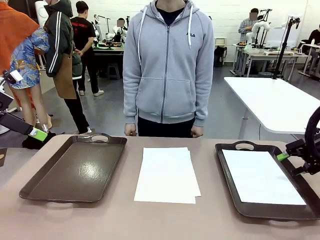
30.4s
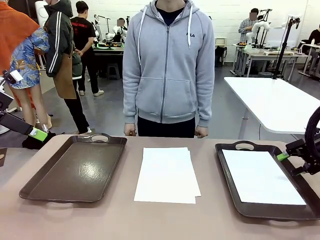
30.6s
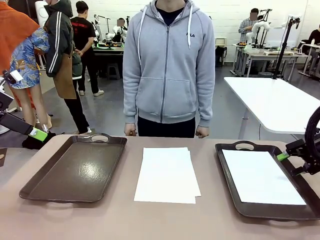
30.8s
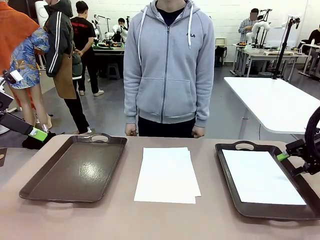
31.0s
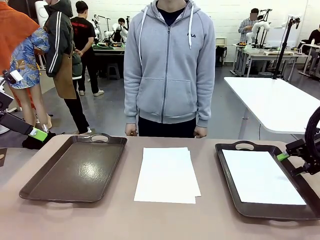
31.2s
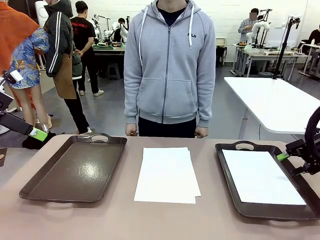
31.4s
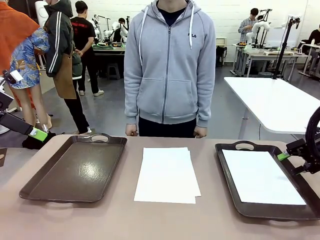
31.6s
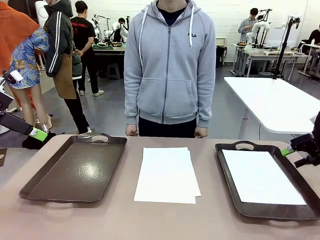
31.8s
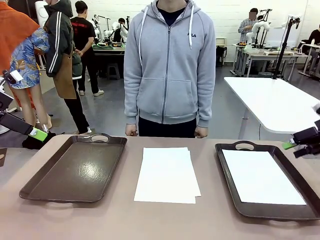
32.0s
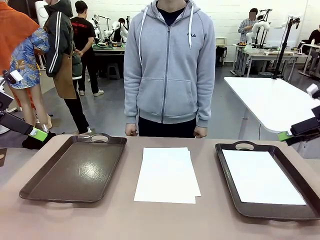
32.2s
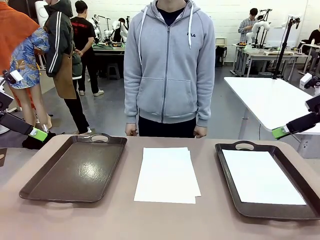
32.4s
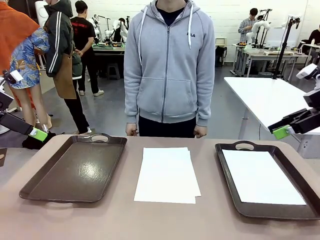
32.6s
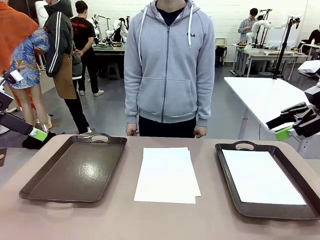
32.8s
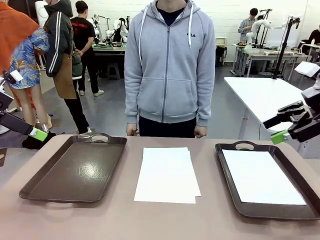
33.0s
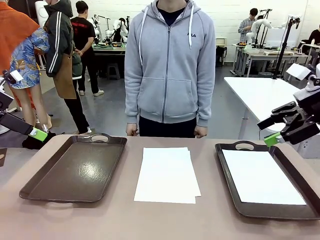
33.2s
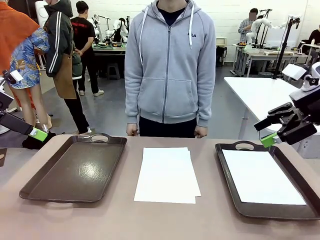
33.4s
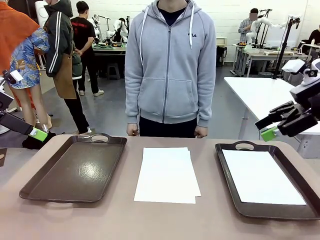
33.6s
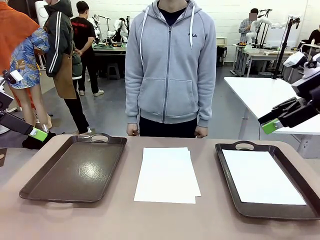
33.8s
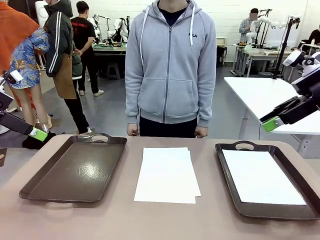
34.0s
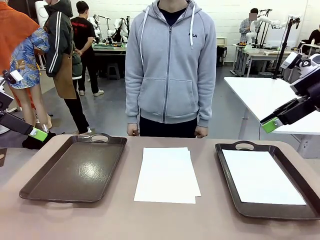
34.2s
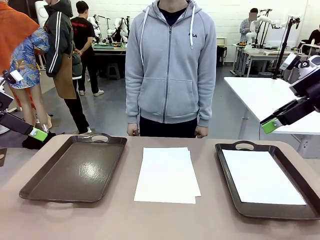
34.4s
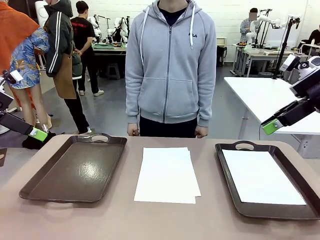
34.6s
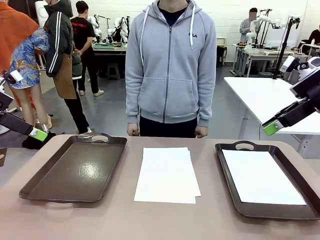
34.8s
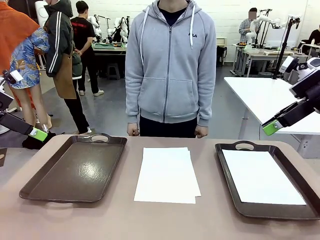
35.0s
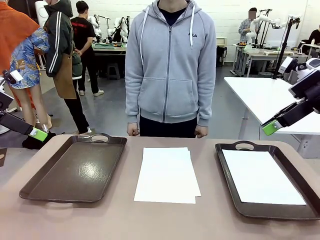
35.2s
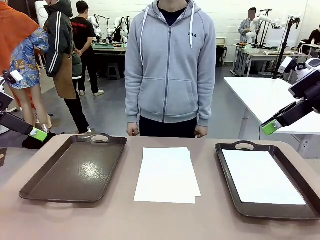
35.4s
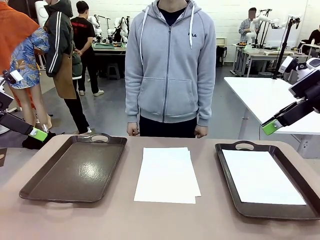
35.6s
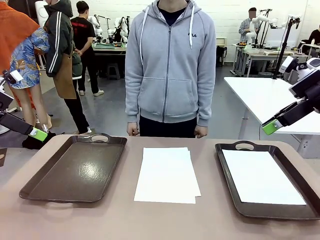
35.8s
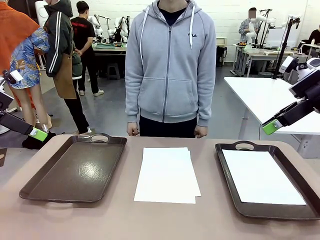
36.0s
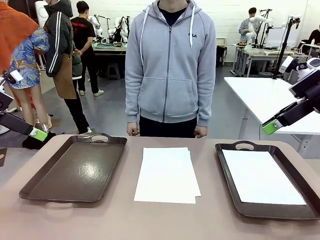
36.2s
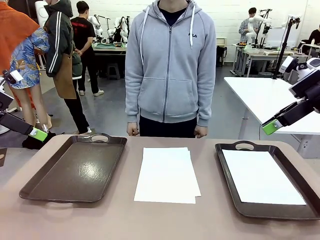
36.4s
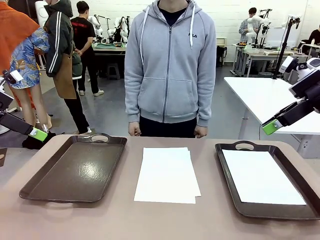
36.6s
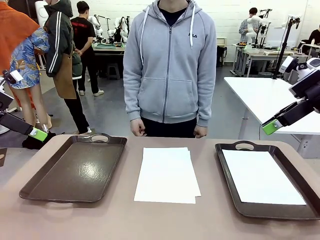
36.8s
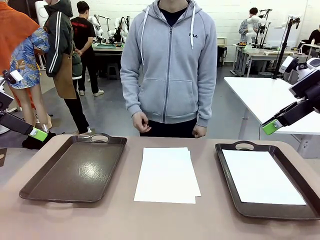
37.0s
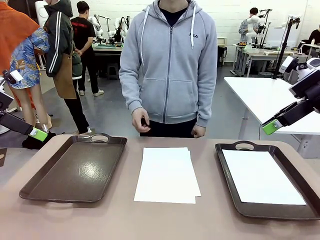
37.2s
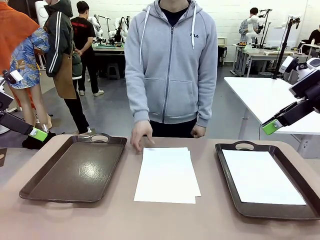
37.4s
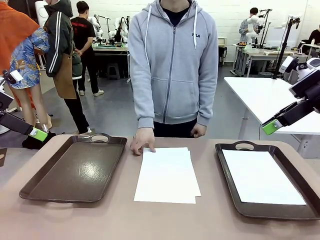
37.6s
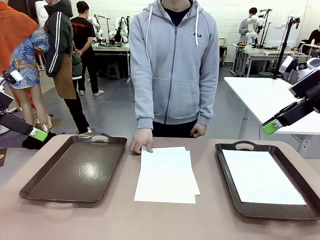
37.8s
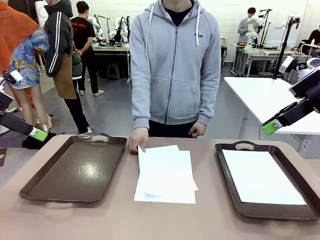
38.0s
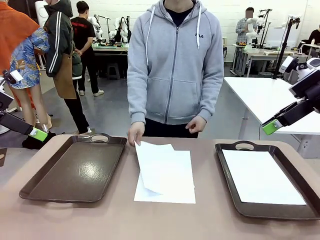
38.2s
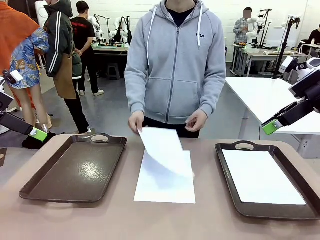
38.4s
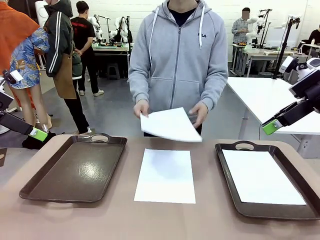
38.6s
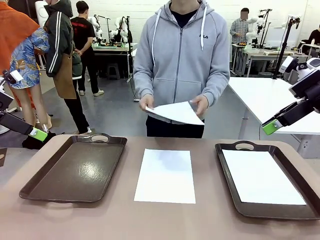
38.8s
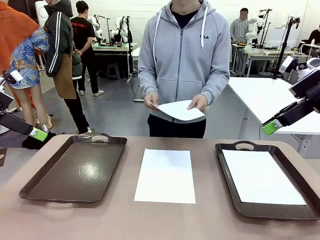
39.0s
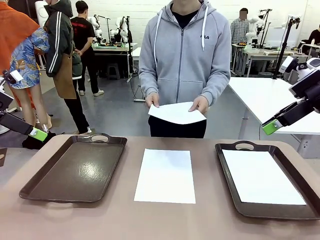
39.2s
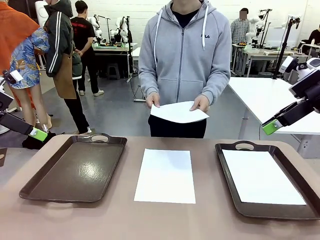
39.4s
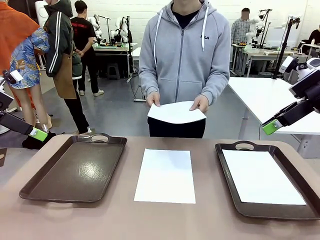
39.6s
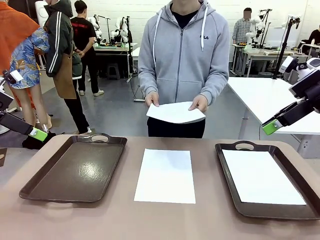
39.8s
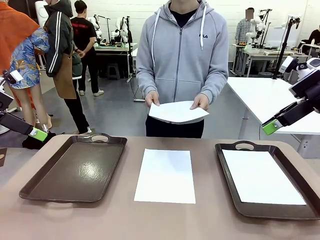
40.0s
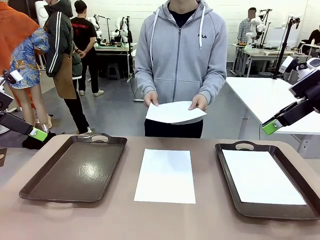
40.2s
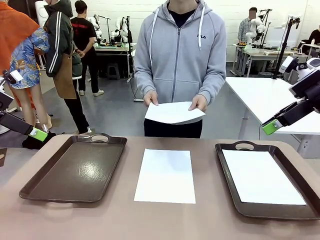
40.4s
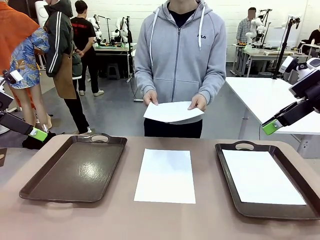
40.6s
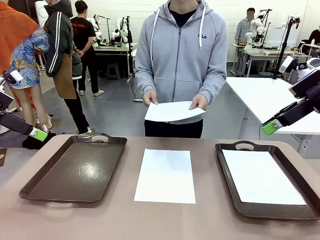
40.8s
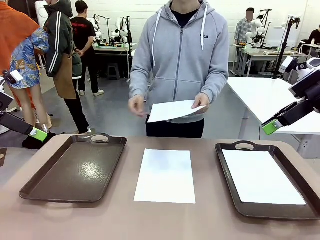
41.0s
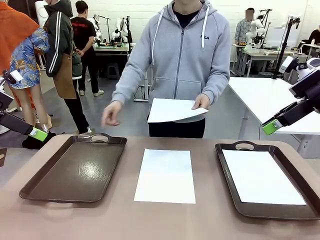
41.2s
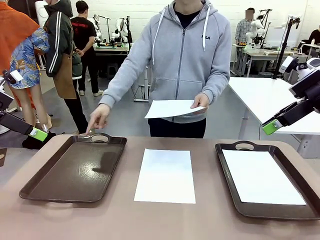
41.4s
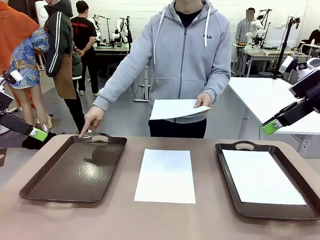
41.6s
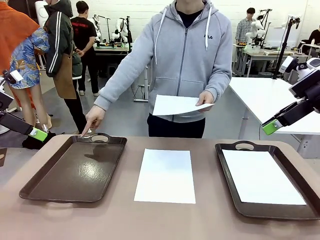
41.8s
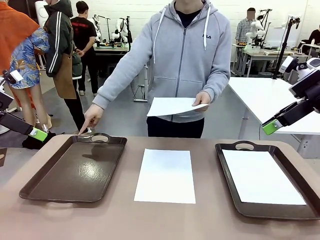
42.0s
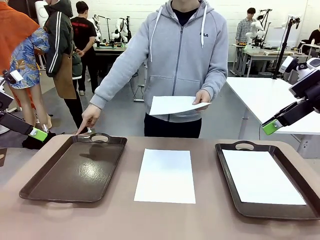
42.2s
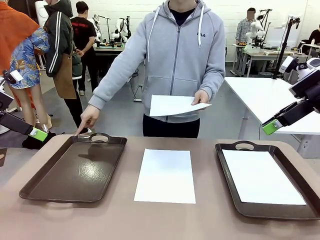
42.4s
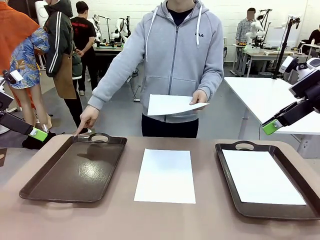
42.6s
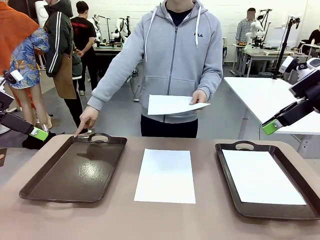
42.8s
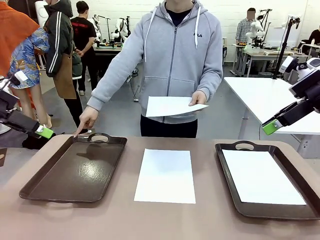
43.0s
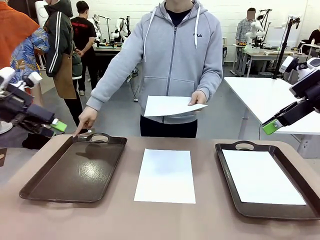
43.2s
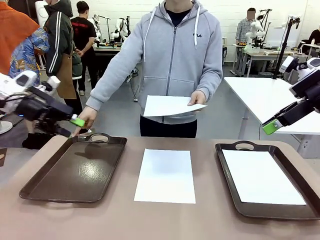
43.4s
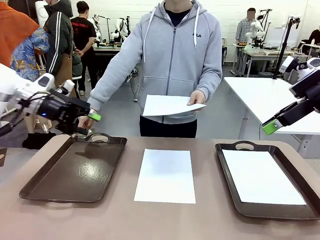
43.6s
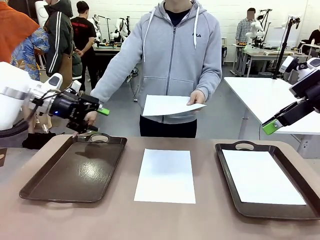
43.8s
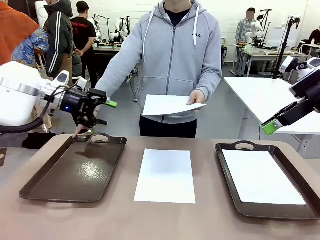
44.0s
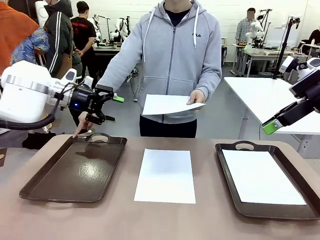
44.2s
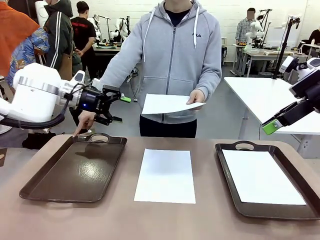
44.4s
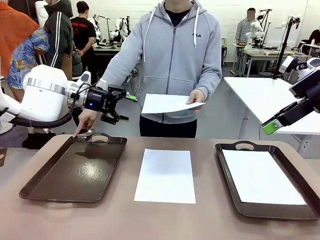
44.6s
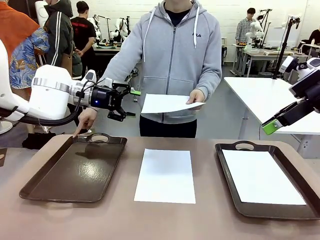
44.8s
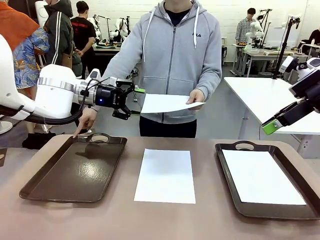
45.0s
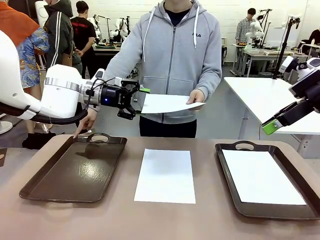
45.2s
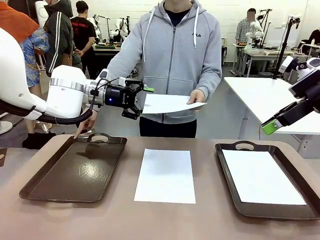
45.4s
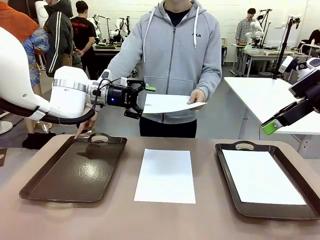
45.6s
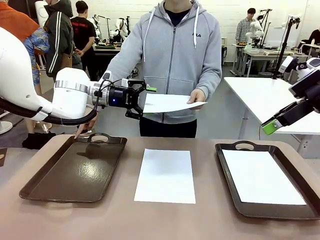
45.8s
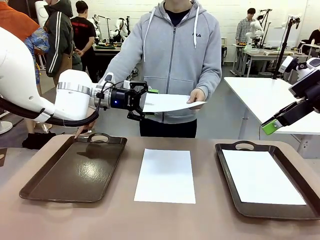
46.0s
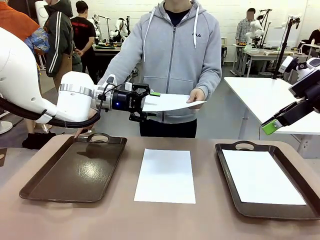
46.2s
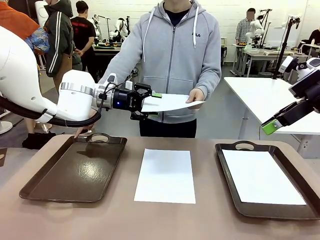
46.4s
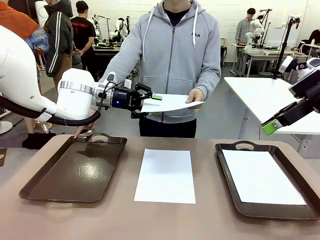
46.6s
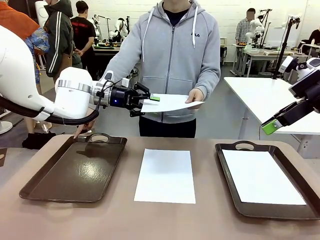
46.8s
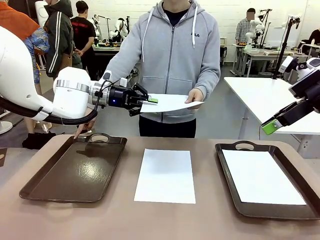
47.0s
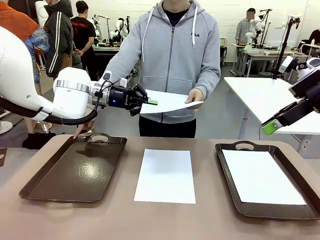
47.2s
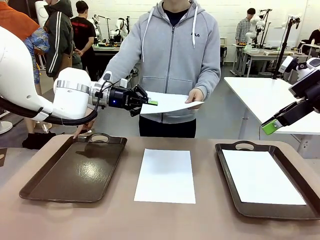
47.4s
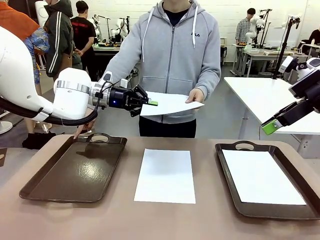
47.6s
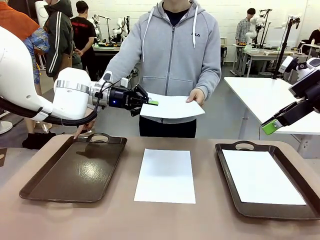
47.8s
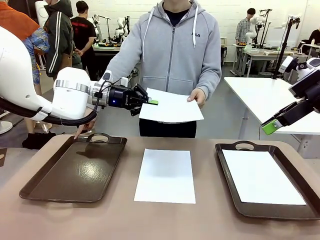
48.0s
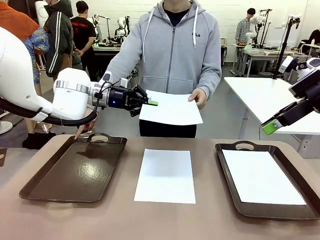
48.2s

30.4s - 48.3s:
Task: Sort the A4 documents.
Robot: Receive the A4 Paper.
Person: Point the randomly selected tray with the other hand.
